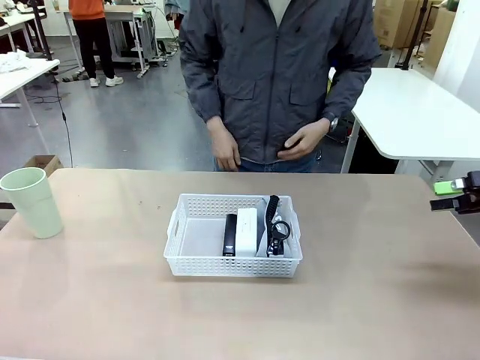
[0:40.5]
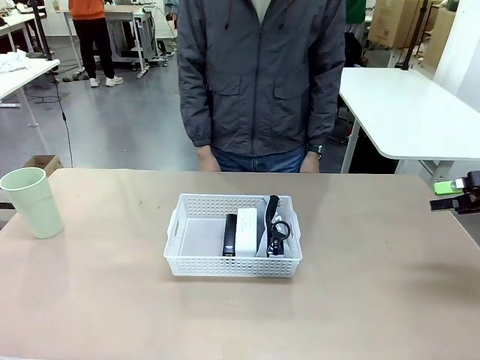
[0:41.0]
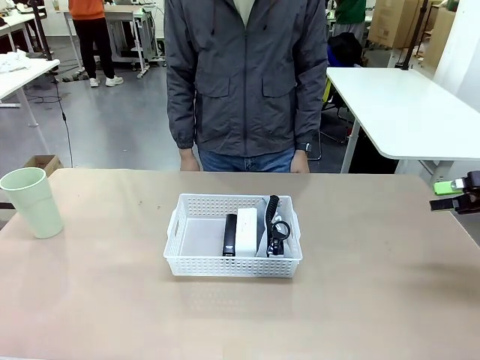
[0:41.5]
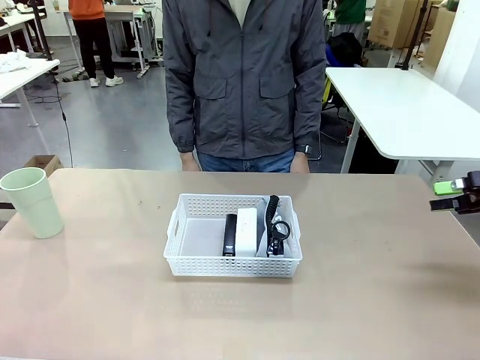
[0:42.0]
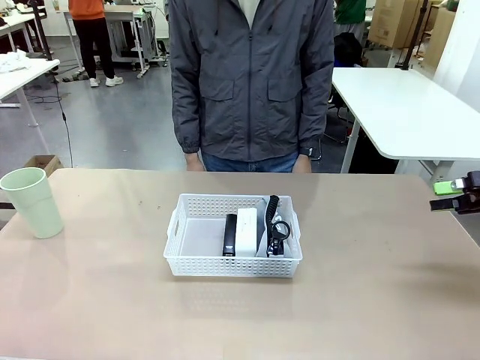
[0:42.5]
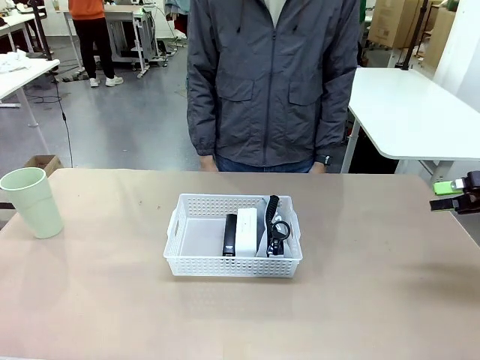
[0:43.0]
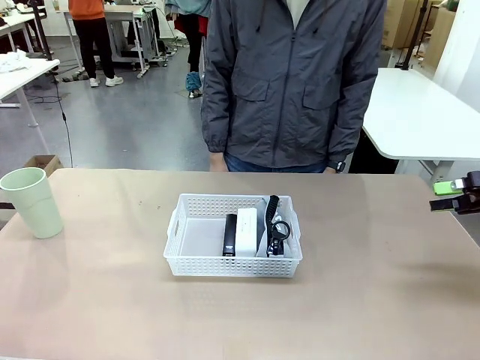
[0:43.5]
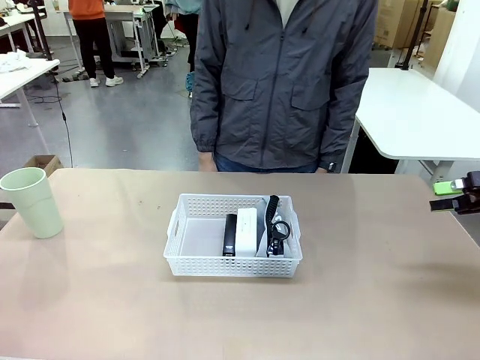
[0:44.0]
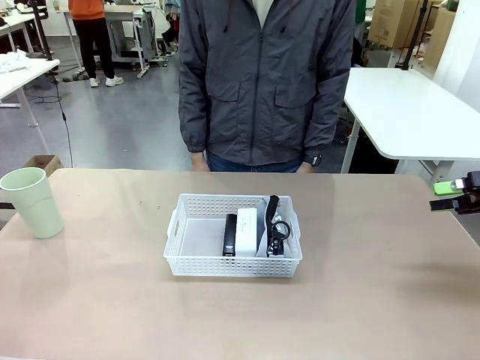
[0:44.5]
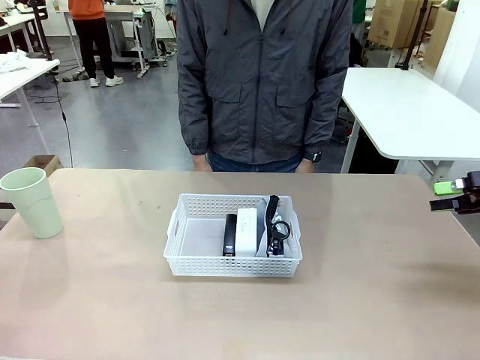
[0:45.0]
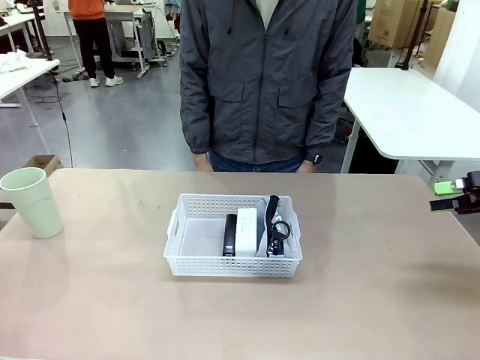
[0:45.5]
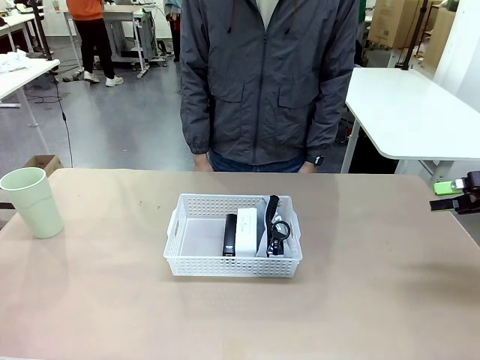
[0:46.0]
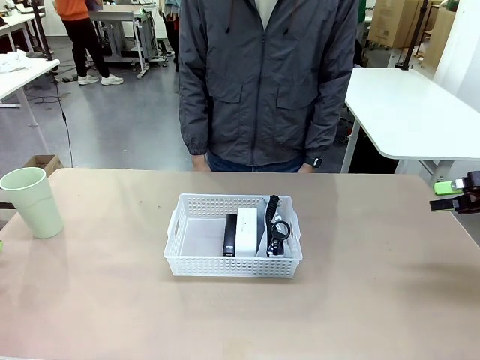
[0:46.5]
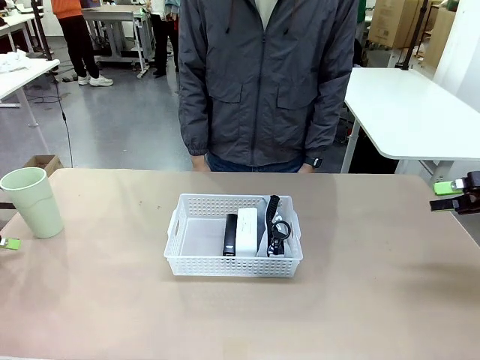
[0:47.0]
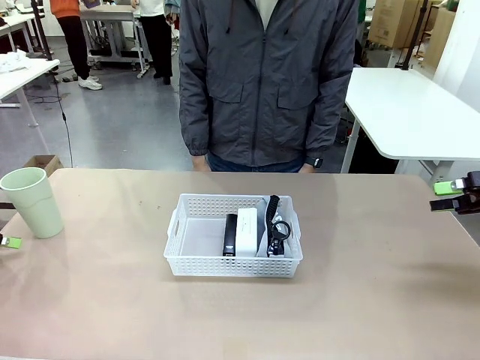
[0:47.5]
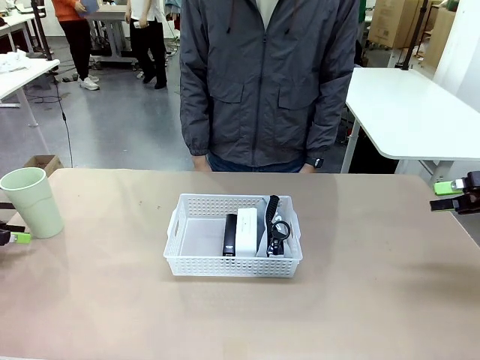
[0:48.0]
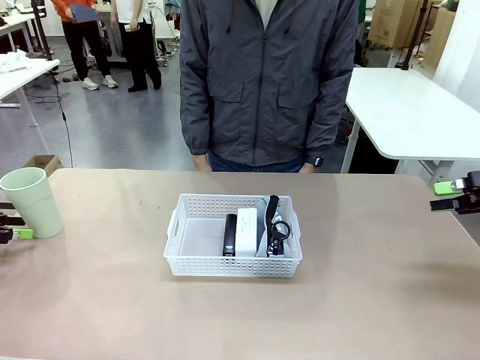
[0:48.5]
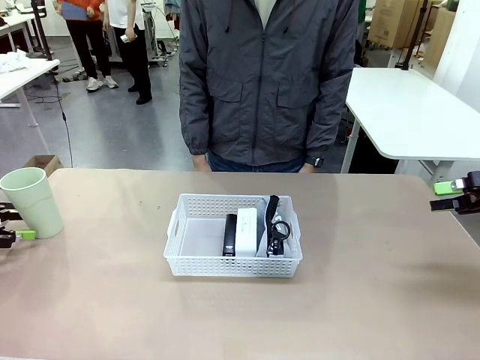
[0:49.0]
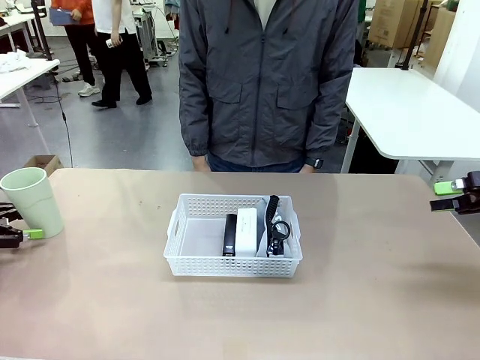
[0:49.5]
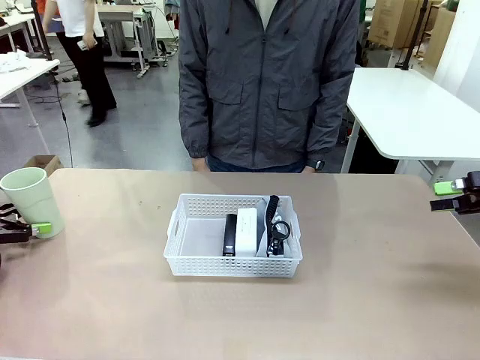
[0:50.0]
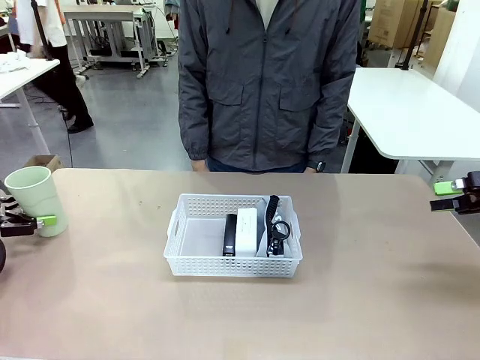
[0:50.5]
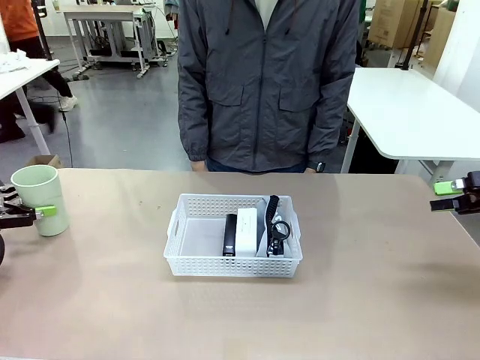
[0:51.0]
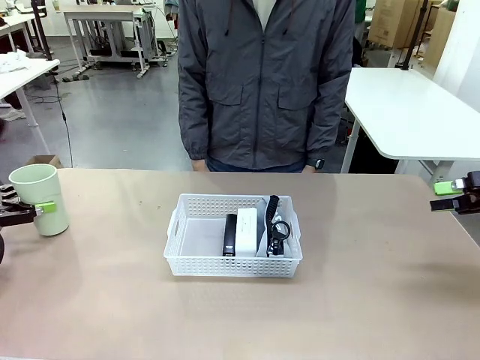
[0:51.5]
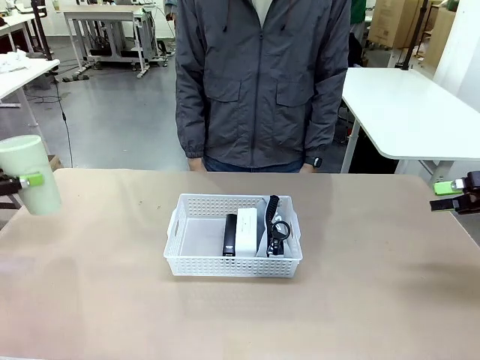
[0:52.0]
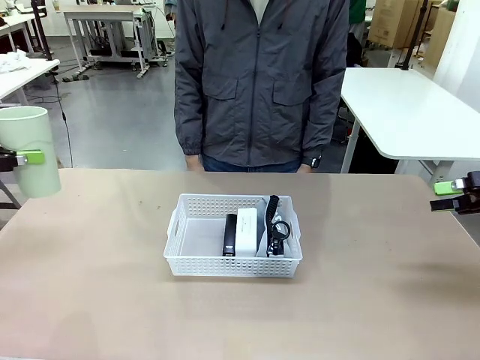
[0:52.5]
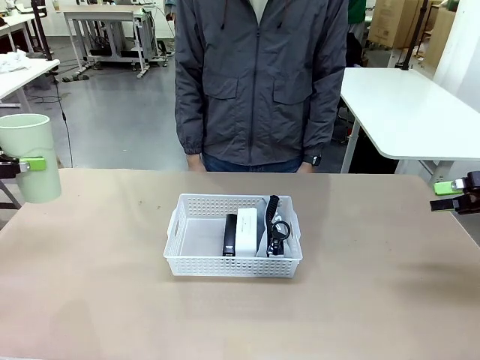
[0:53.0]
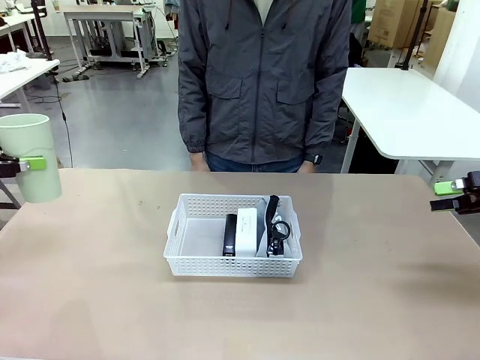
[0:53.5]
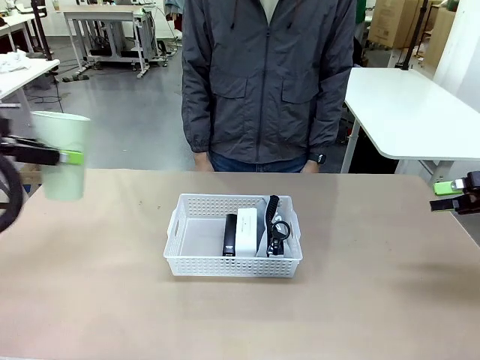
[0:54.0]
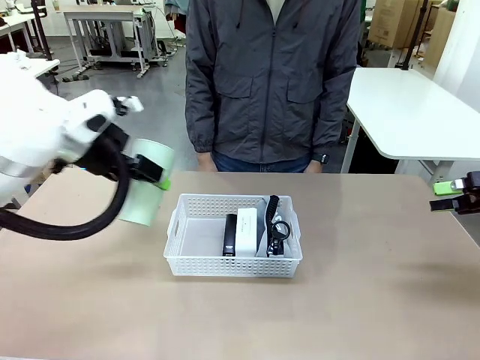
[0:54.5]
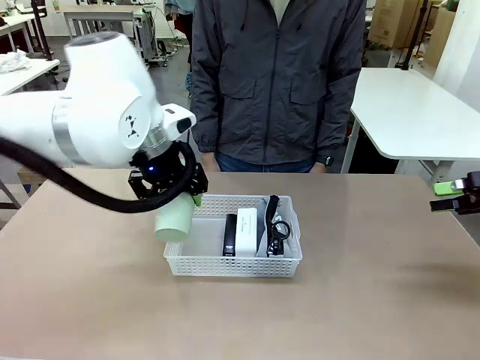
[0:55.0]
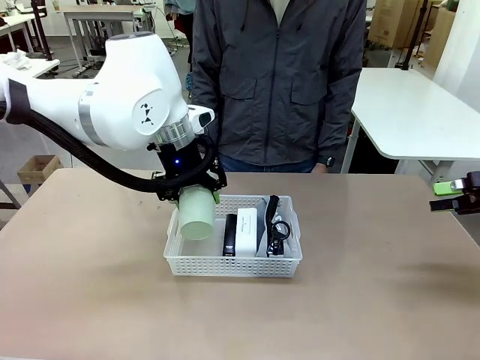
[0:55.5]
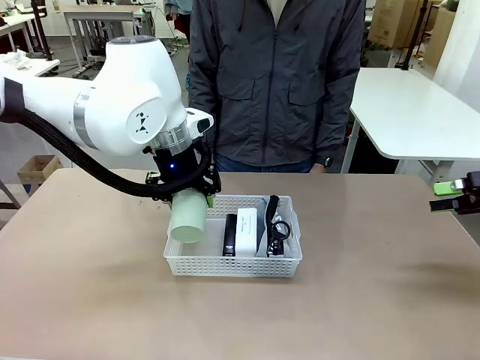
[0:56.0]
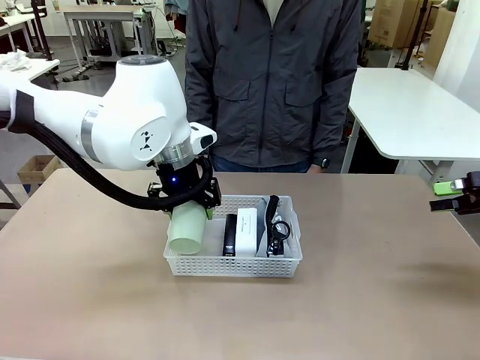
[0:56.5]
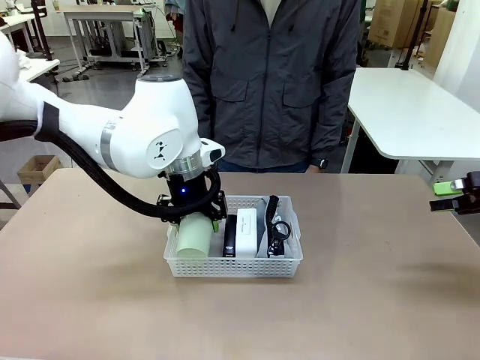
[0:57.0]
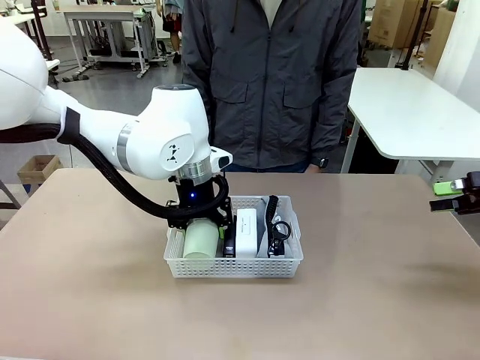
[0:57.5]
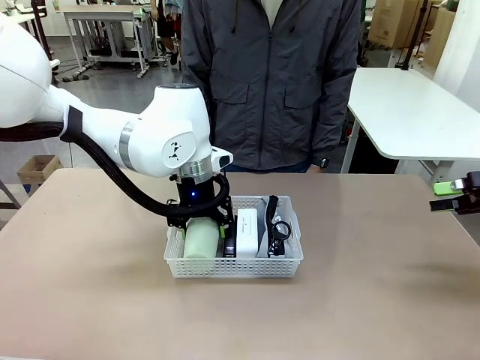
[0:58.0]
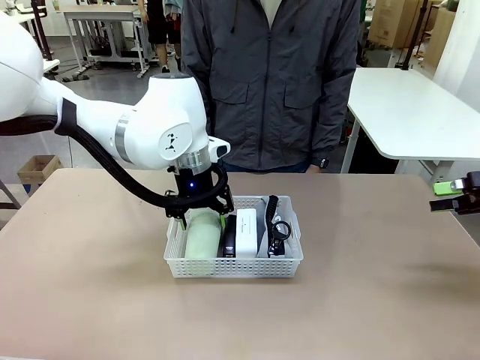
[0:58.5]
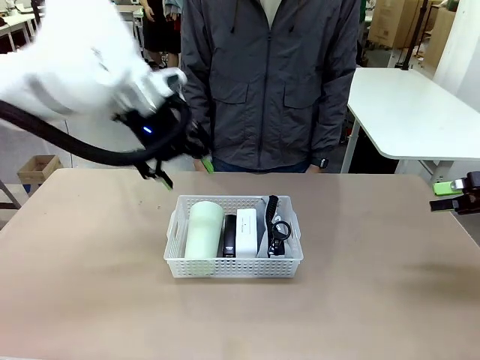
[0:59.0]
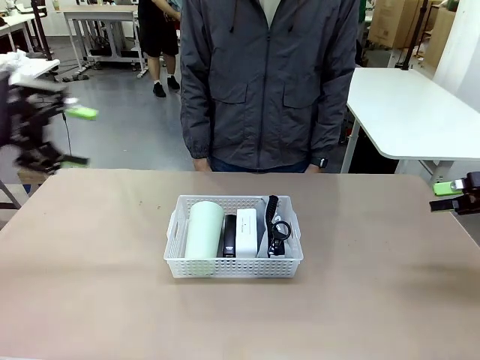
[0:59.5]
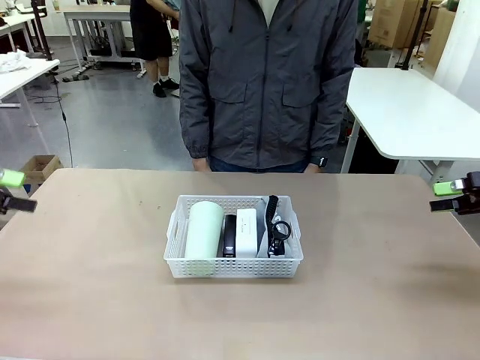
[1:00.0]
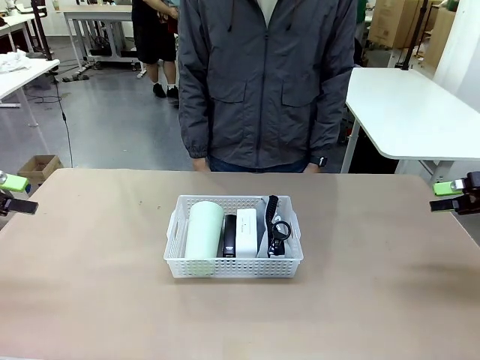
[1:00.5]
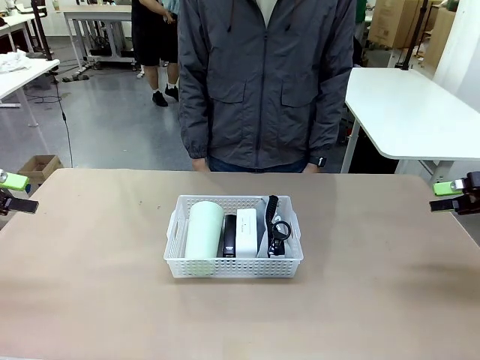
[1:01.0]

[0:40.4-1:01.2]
Task: Efficiently arrange items inside the basket to fit them all.
Robot: Pick up the Reusable plastic cup and place it inside the Organizing basket.
Person: Repositions the stapler.

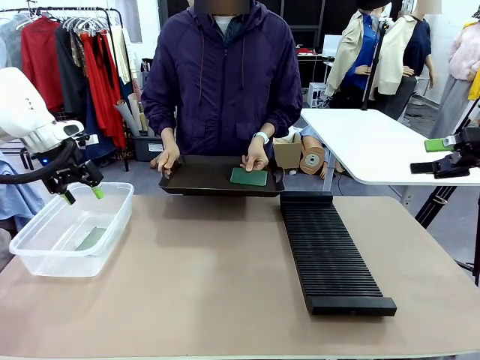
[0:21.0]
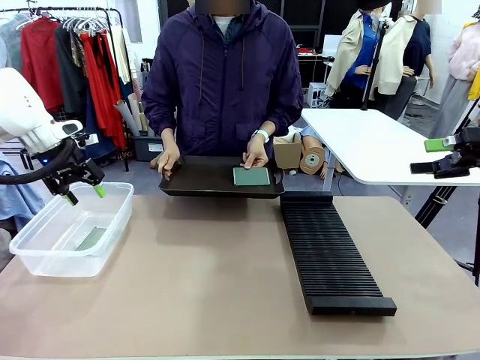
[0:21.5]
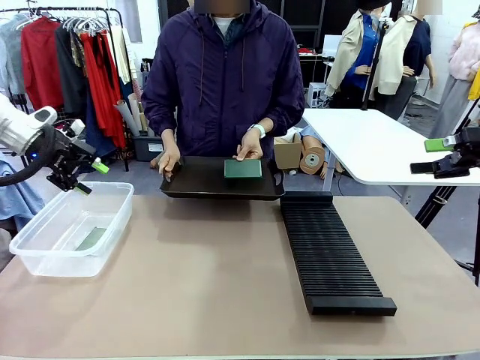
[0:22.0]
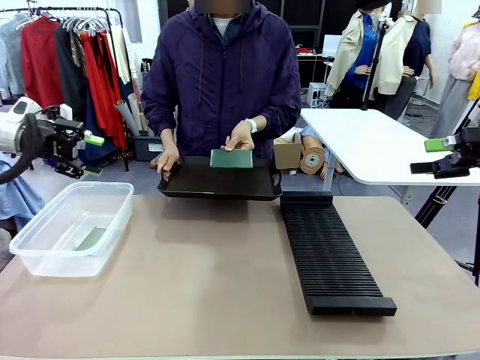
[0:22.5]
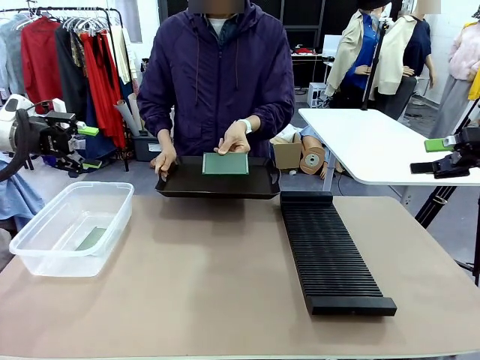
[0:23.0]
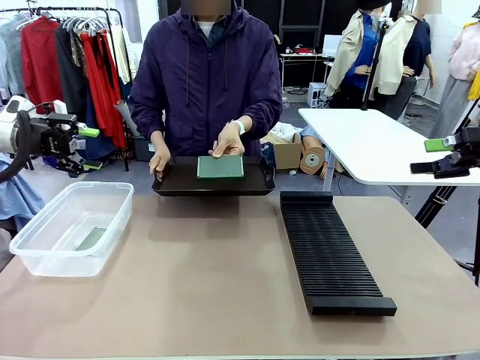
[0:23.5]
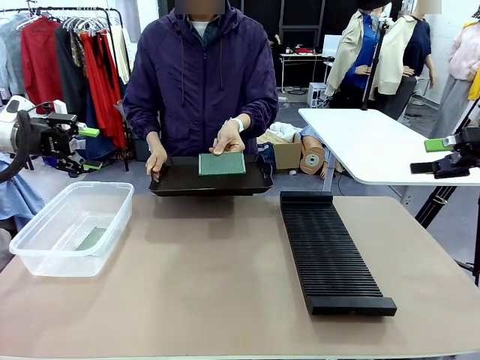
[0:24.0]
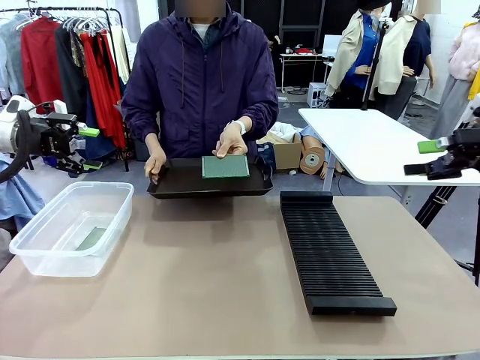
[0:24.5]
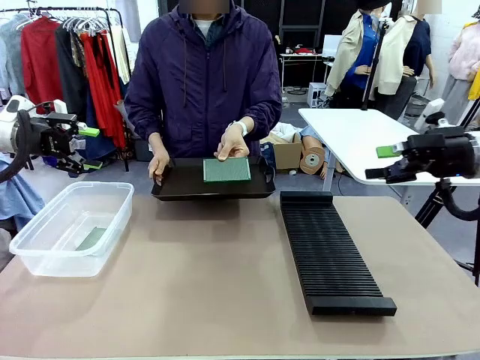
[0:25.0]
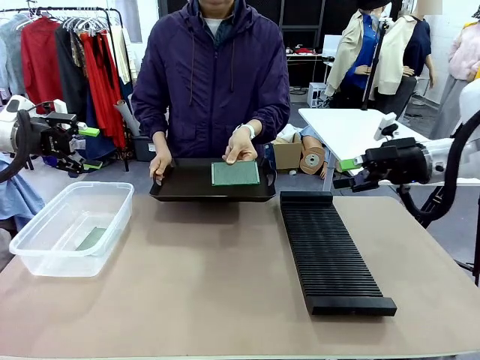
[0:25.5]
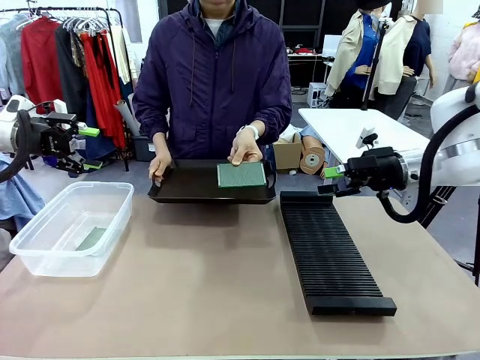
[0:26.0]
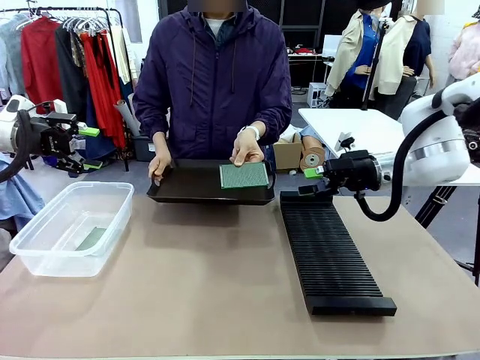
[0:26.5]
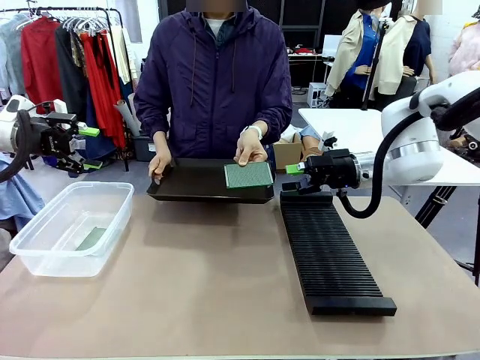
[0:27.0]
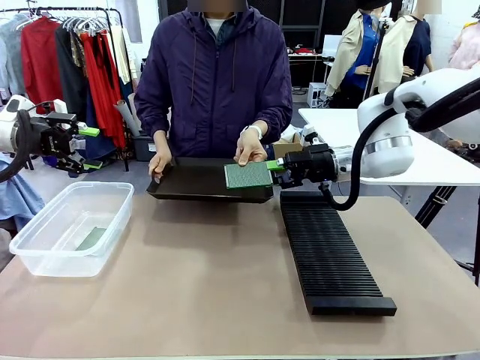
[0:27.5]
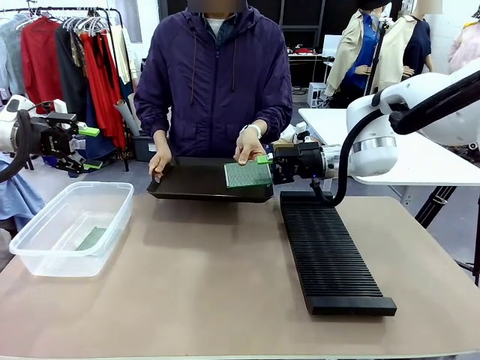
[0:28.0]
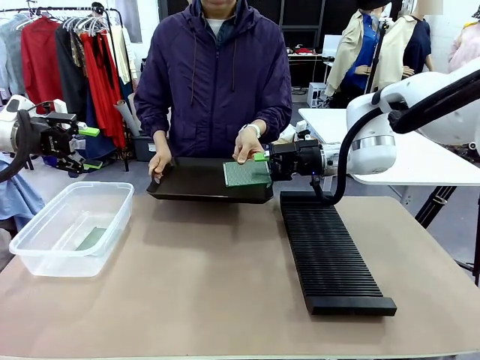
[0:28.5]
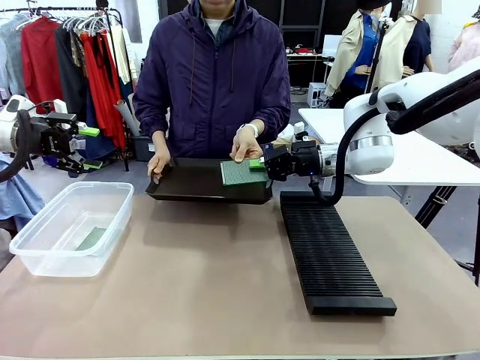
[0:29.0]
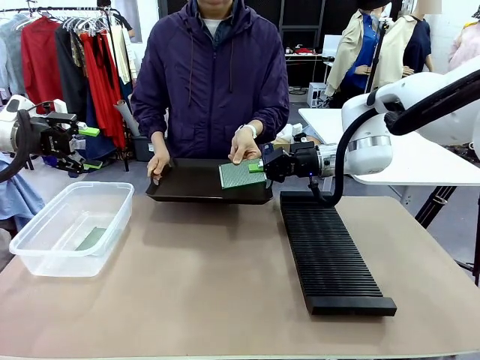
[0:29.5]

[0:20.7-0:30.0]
Task: Sort PCBs into racks and boxes based on the side picked up.
Robot: Pick up the Blank PCB handed by the Human.
